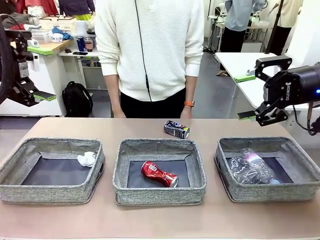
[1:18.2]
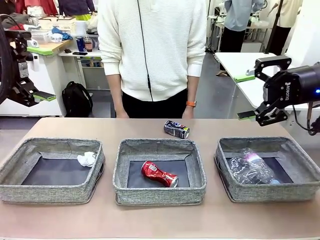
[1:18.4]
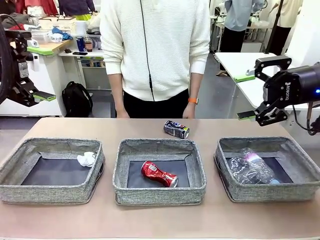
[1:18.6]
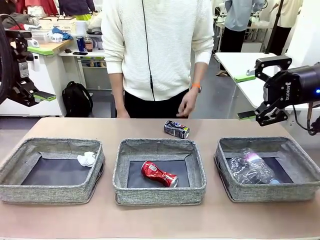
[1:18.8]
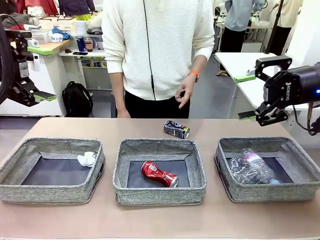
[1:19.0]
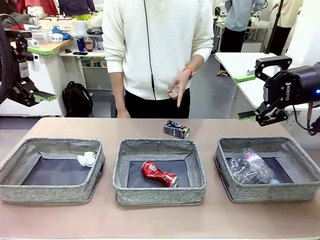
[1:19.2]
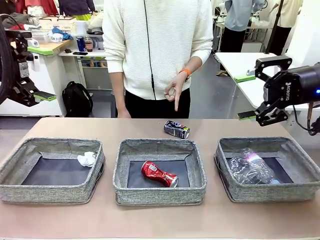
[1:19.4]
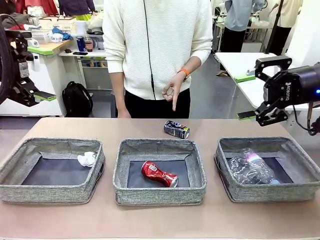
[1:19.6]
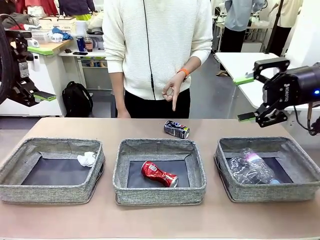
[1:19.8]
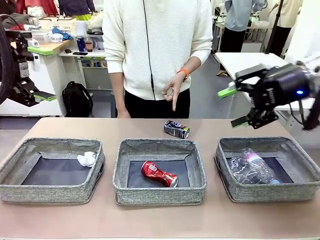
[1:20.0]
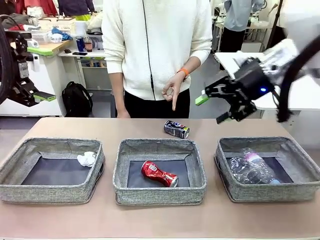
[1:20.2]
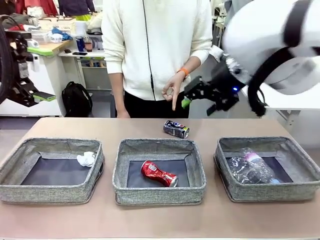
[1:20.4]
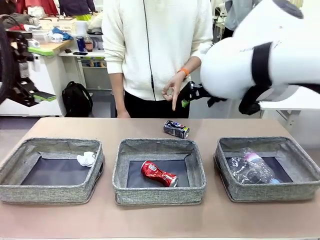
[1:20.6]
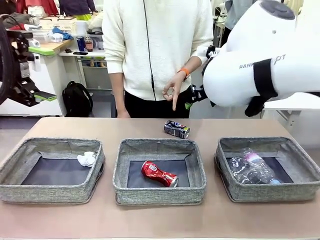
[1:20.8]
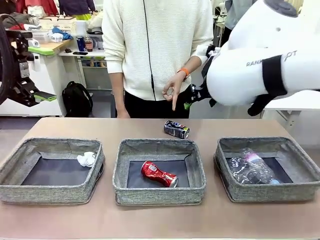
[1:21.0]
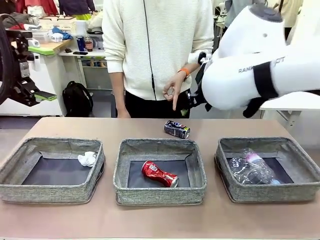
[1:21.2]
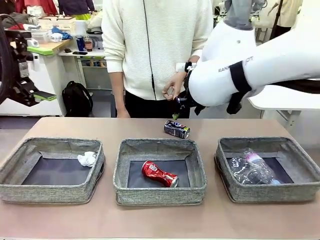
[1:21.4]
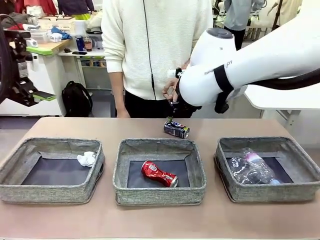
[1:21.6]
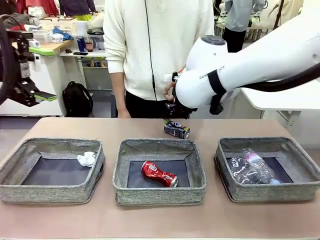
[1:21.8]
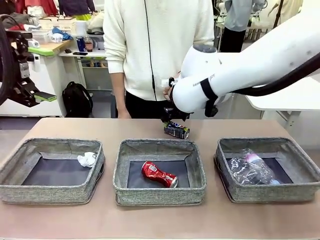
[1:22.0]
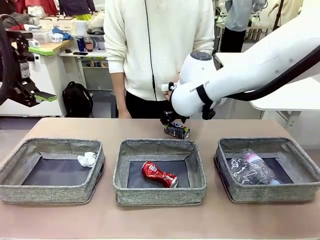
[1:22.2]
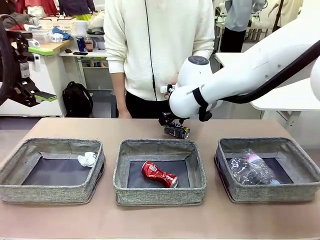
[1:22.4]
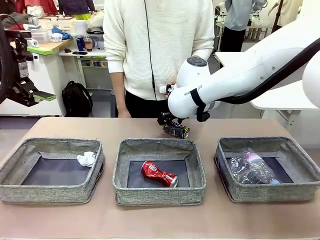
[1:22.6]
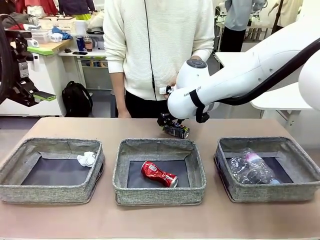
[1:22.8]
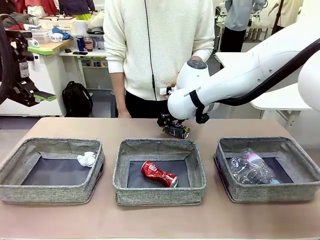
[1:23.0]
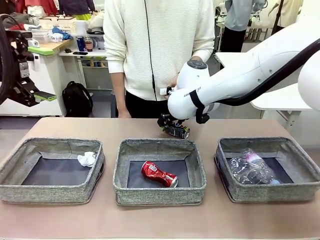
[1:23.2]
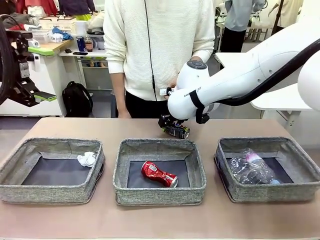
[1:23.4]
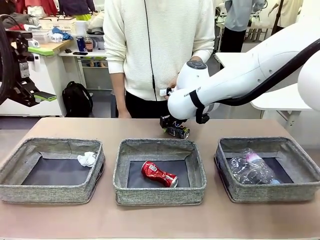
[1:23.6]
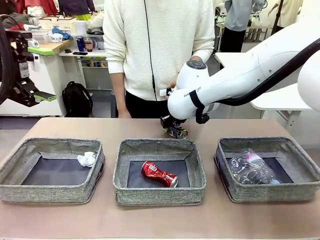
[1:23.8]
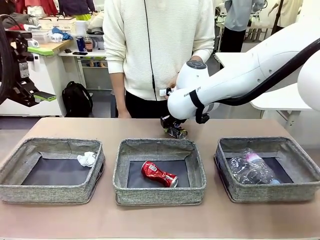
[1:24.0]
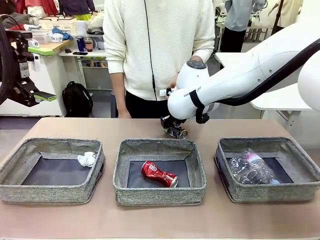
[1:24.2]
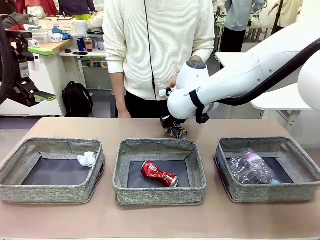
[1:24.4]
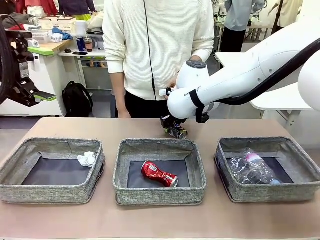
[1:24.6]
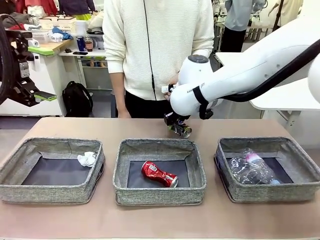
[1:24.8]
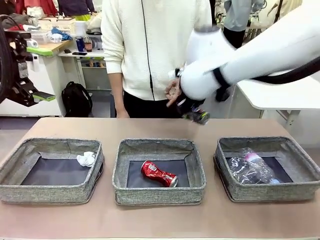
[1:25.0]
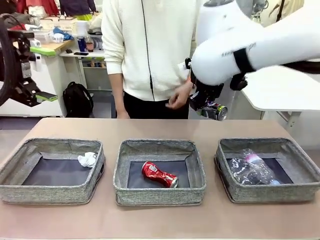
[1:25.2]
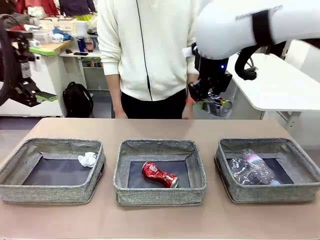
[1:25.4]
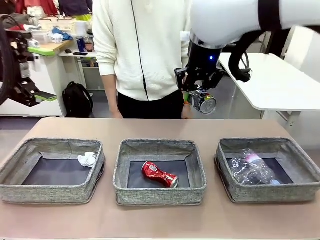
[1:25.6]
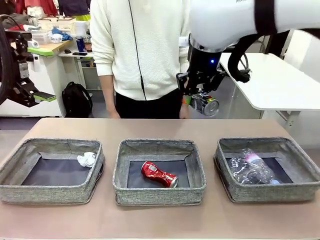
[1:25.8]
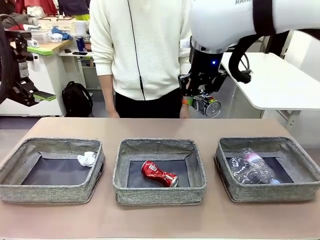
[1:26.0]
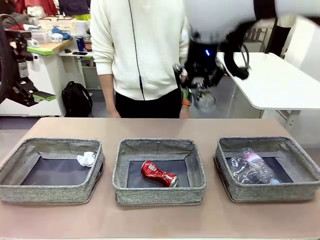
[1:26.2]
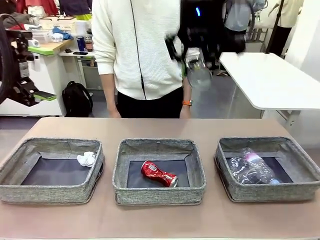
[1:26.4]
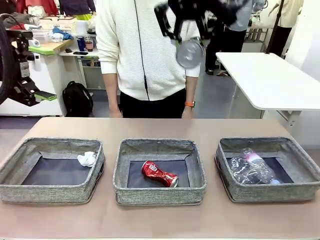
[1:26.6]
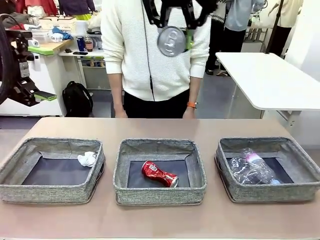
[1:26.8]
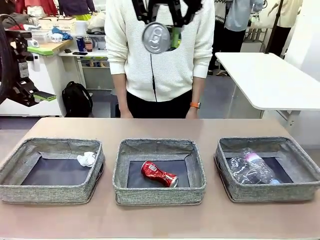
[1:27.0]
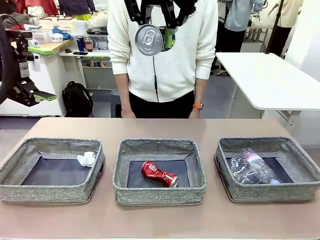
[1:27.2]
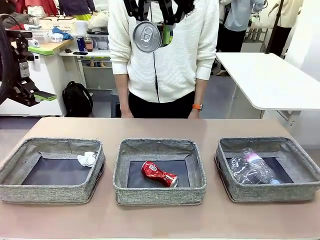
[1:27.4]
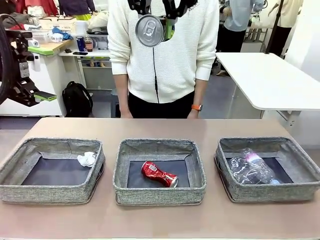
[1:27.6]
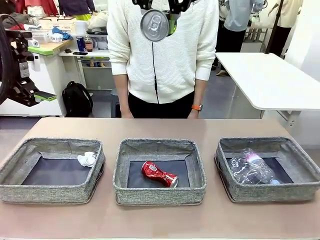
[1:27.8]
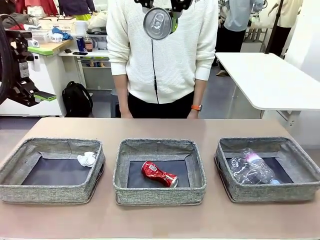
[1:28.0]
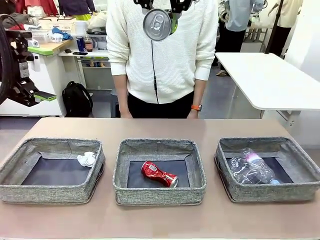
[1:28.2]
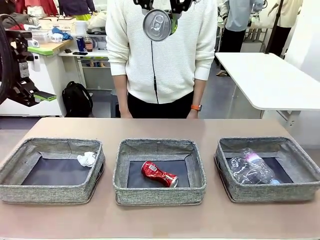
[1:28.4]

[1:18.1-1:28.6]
Task: Sort the waste into the appropriate baskets.
Robot: Pick up the waste item pointed out by the person.
Person: Points to one piece of trash on the table.

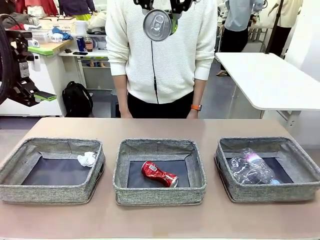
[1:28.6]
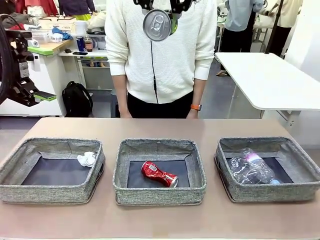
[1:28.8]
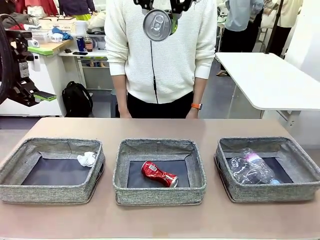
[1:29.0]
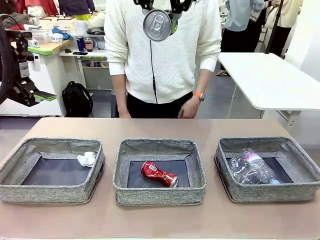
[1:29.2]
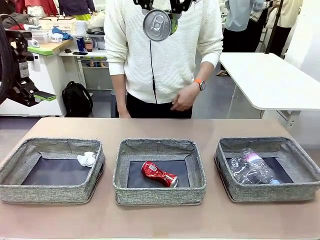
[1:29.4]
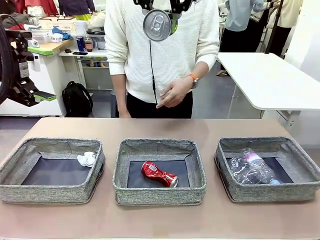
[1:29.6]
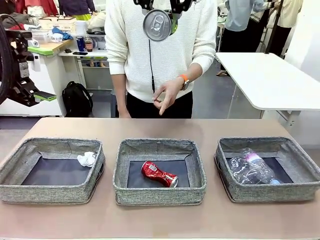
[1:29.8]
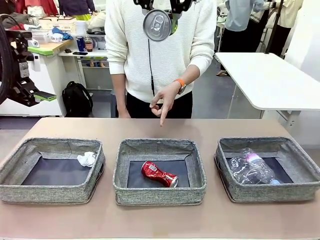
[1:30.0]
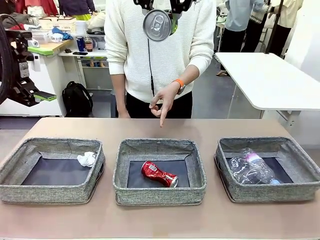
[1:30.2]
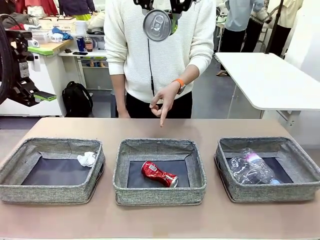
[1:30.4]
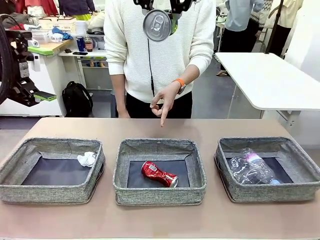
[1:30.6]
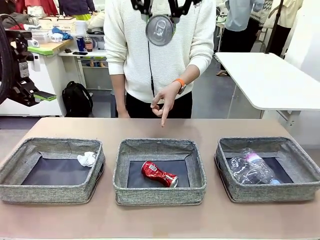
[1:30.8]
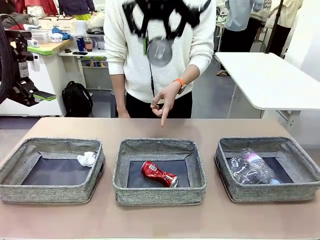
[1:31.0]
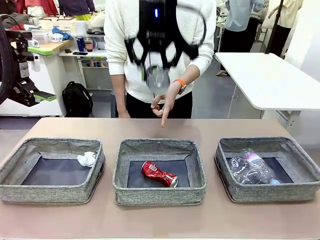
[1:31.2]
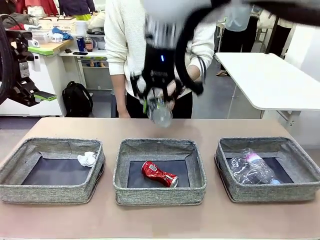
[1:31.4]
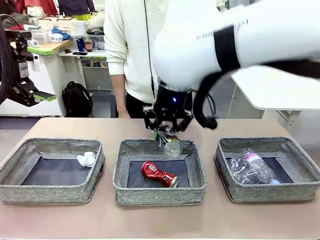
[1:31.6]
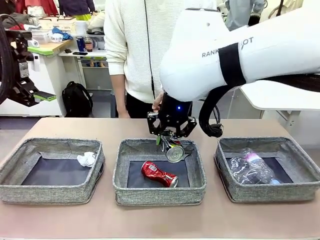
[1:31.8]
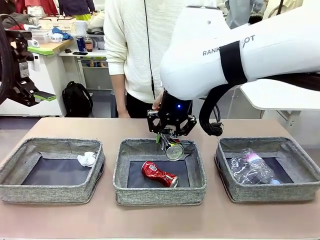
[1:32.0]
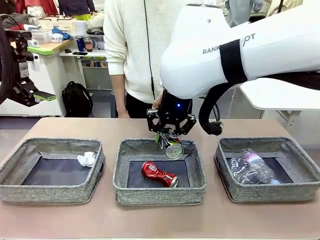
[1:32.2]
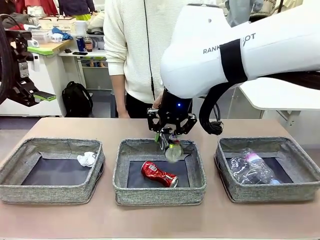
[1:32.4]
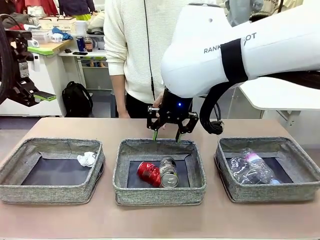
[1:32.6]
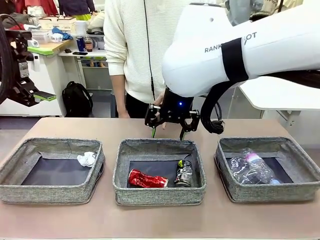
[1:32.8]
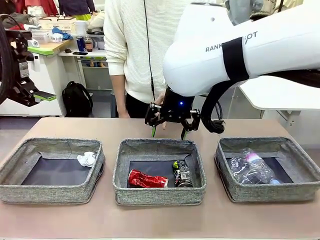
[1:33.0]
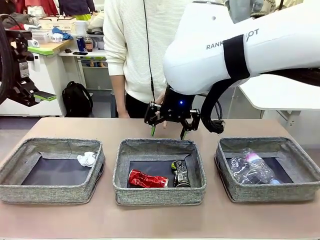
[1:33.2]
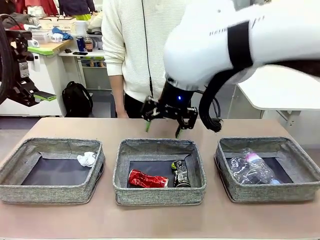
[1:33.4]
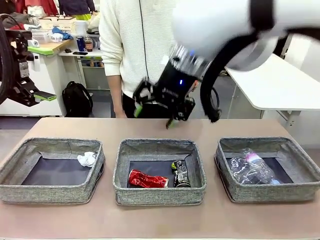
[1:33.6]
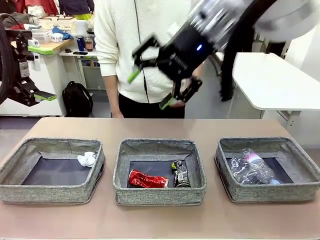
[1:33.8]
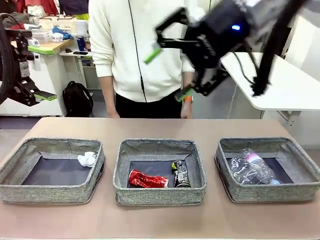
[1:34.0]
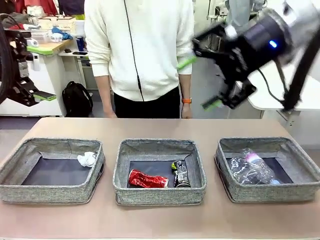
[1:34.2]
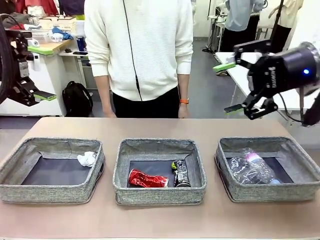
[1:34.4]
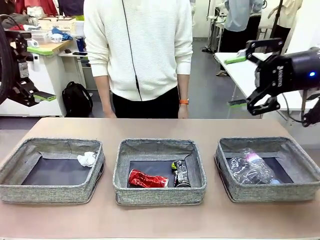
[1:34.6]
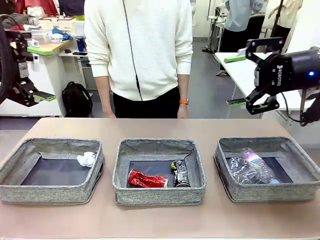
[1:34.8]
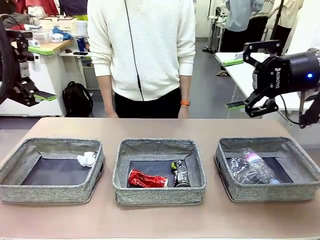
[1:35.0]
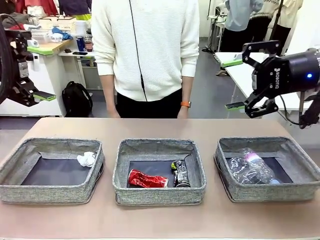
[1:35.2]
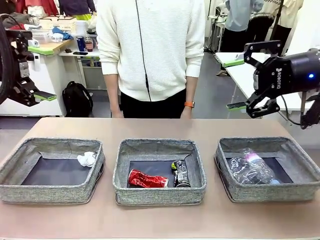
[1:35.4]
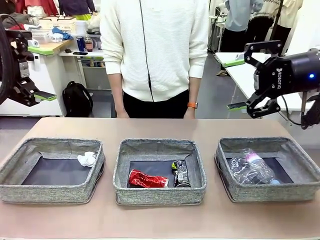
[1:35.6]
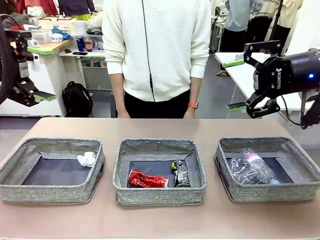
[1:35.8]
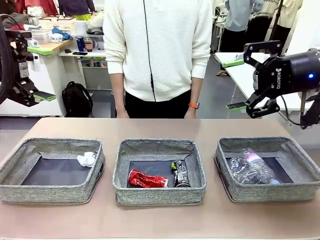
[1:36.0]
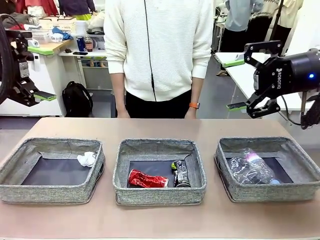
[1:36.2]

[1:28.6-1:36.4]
Robot: Place the picked waste into the Fabric basket indicated by the person.
Person: Instructs the robot to place the picked-up trash into the appropriate organizing basket.
